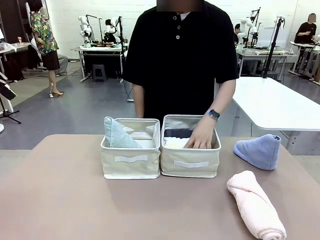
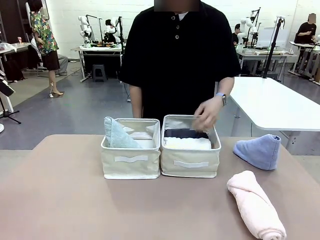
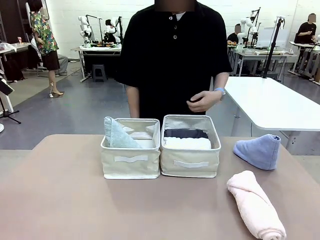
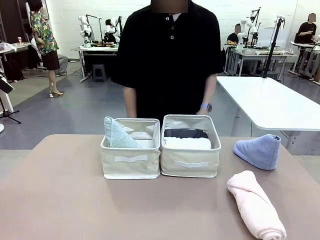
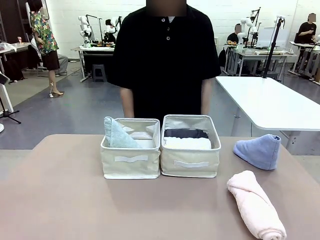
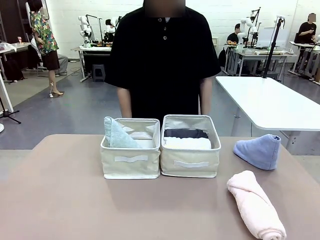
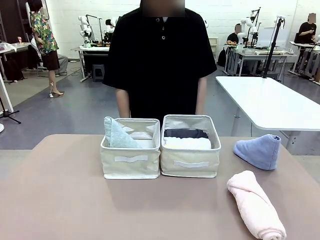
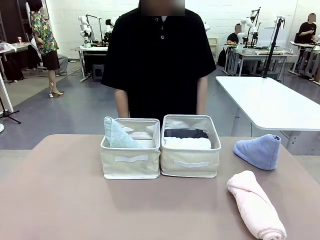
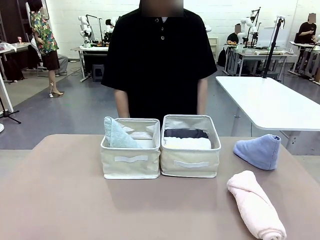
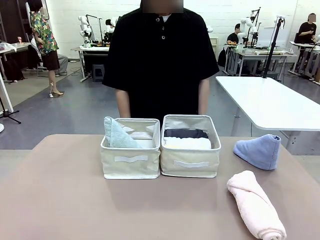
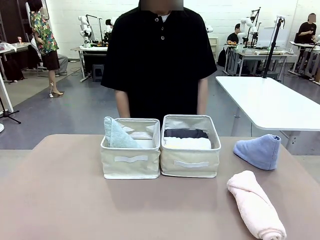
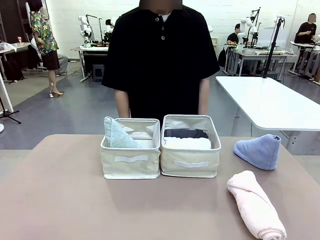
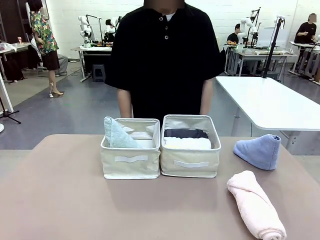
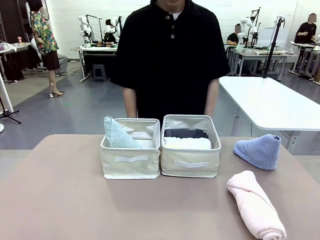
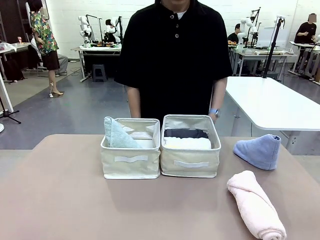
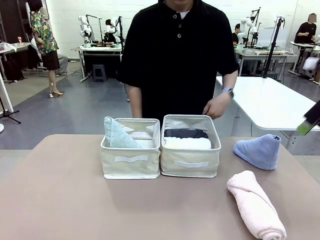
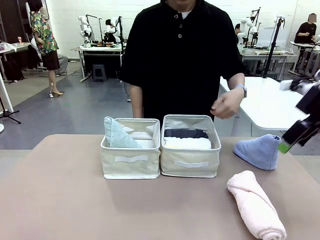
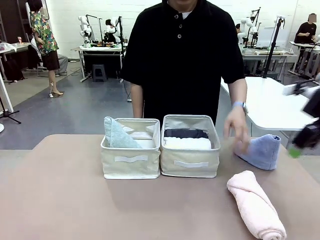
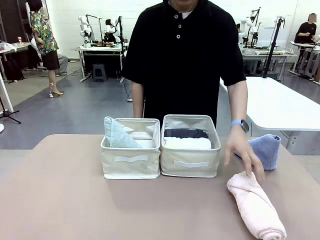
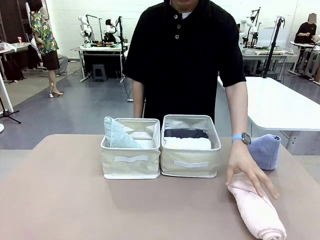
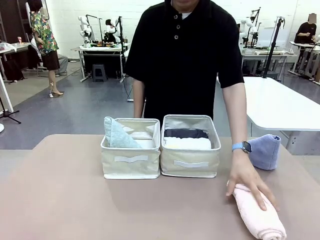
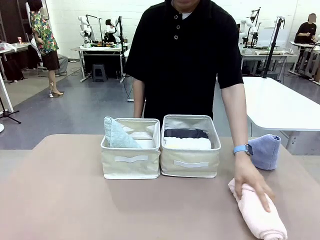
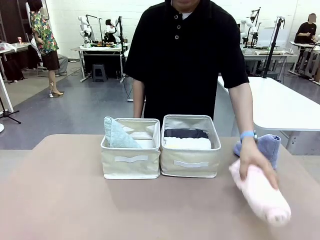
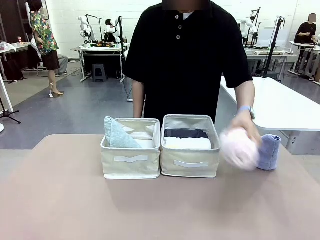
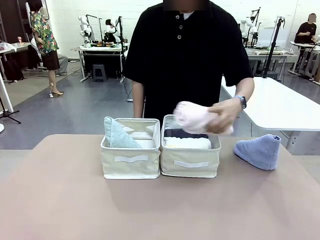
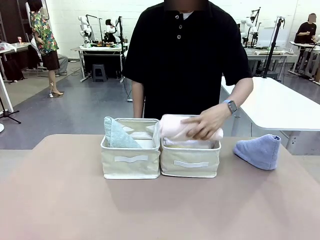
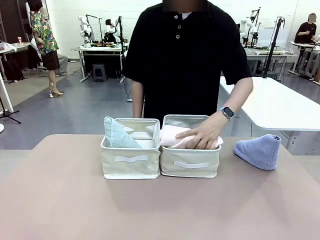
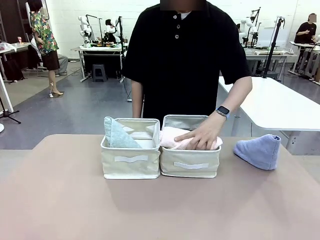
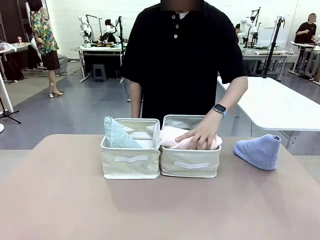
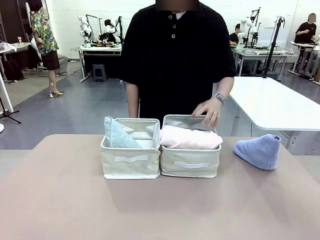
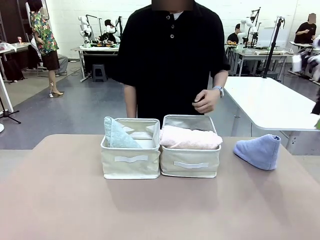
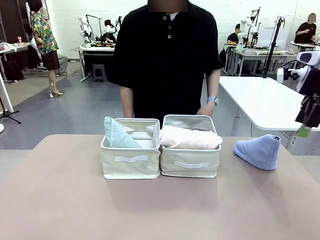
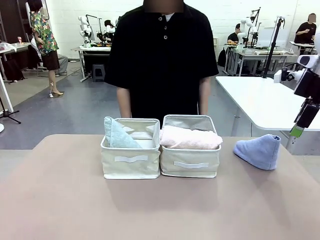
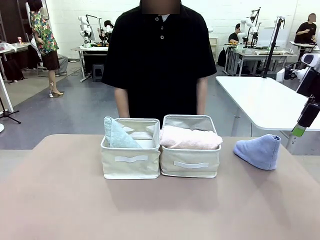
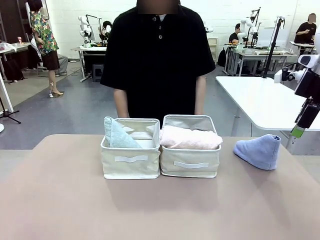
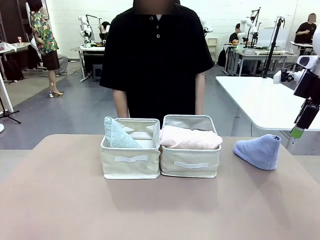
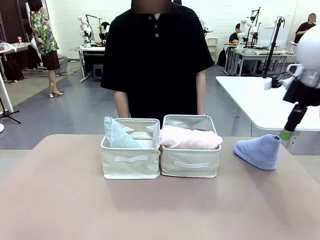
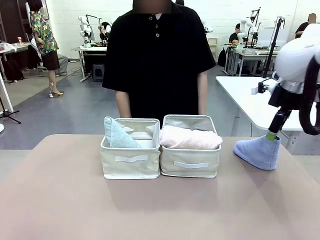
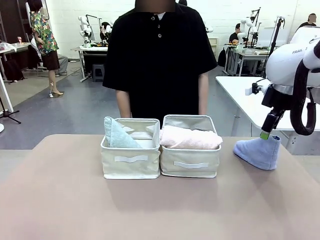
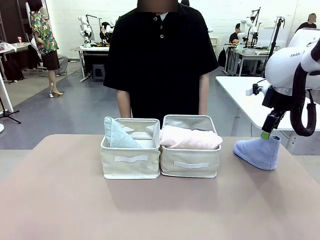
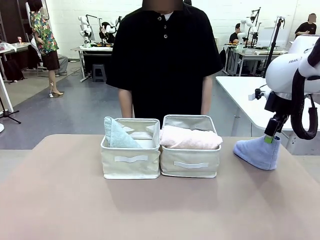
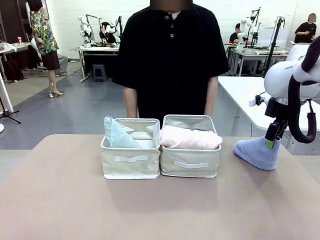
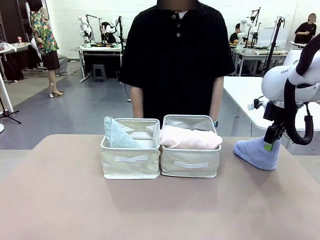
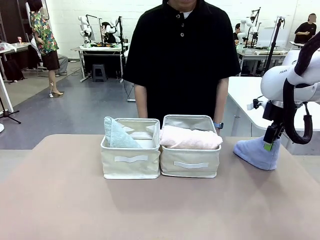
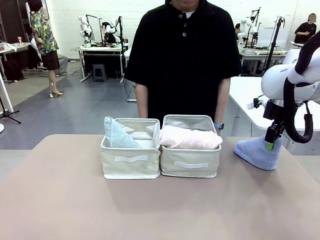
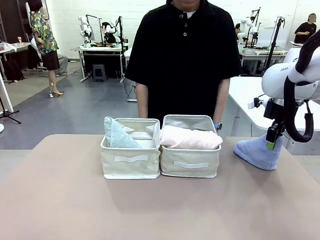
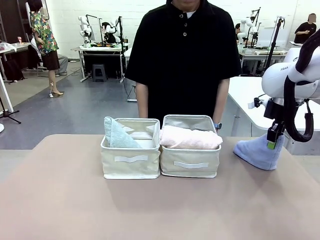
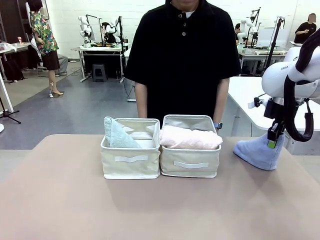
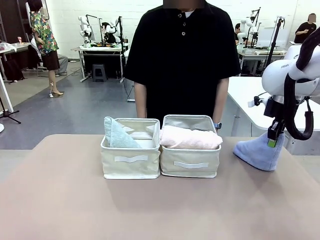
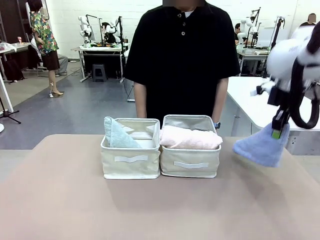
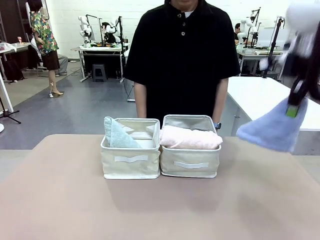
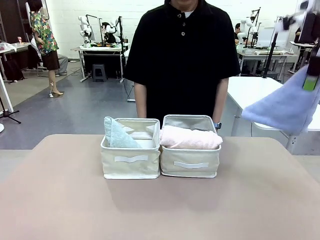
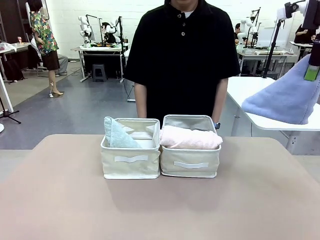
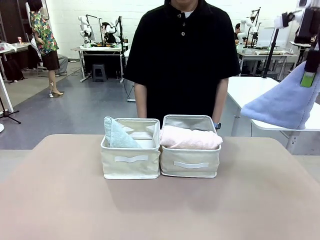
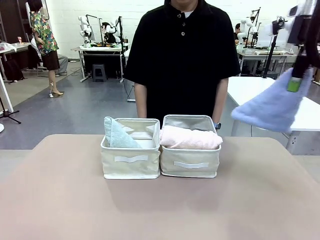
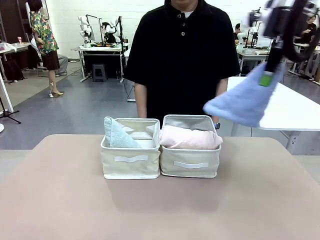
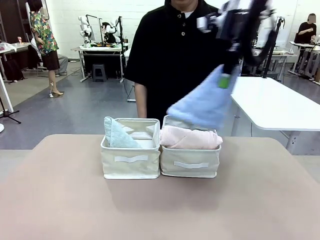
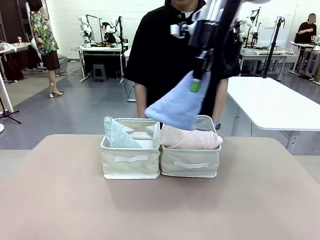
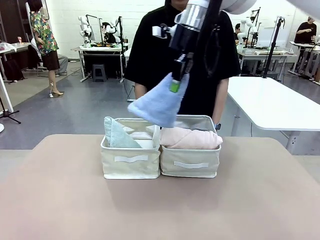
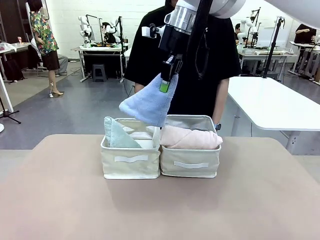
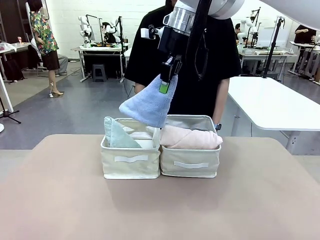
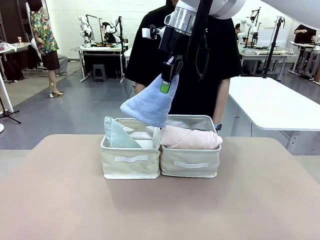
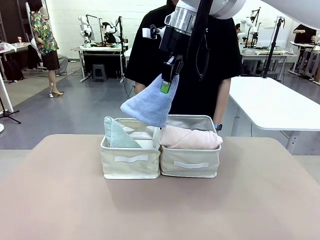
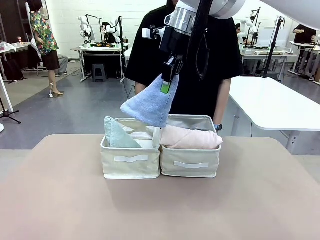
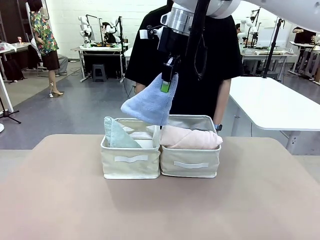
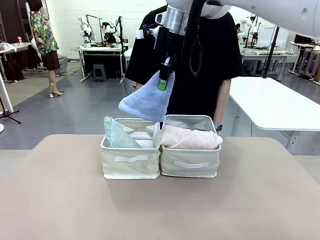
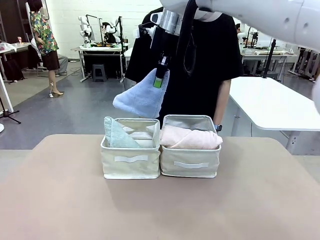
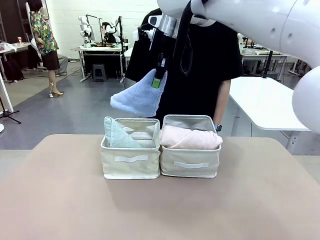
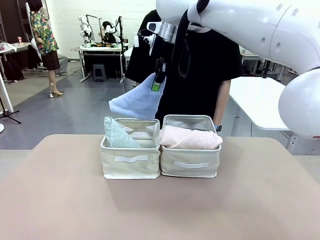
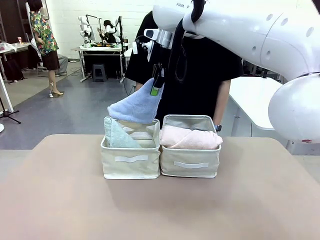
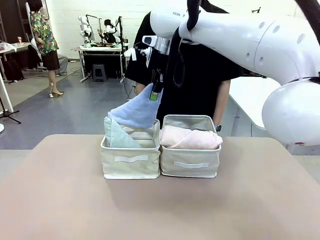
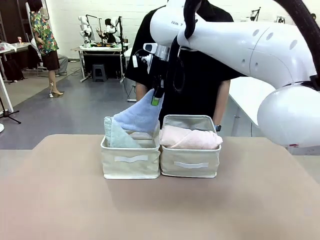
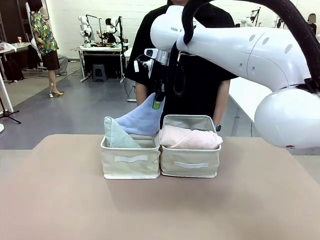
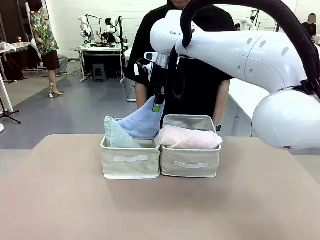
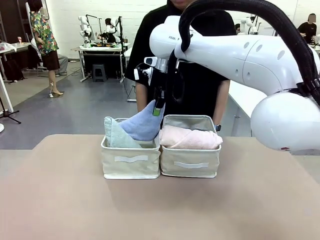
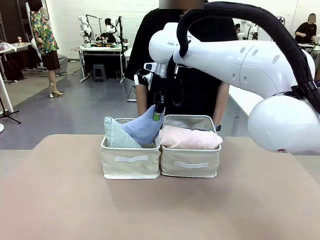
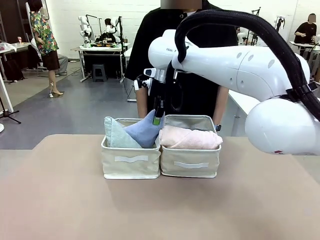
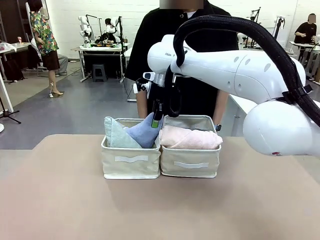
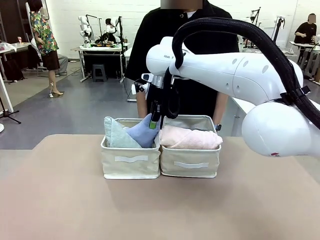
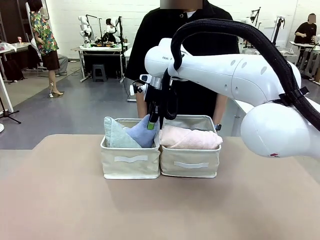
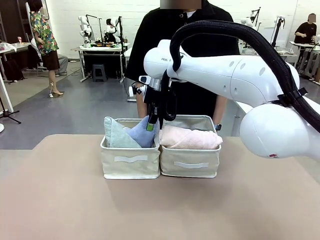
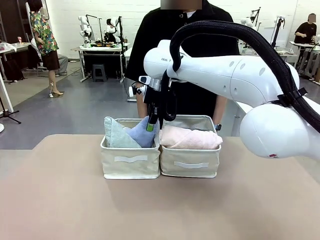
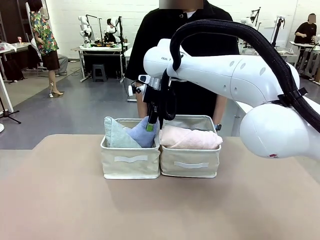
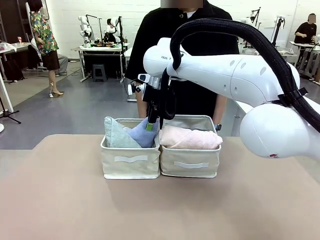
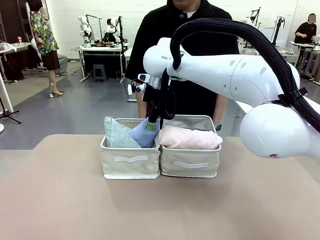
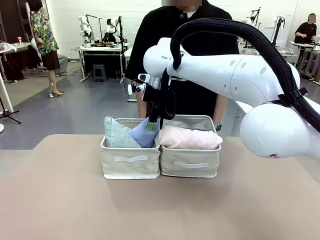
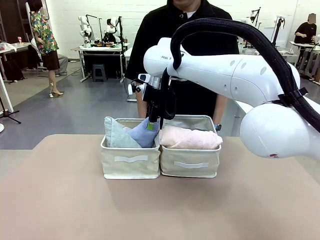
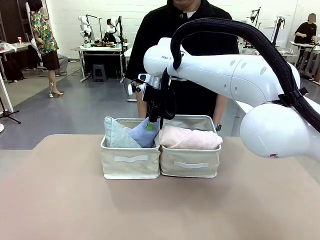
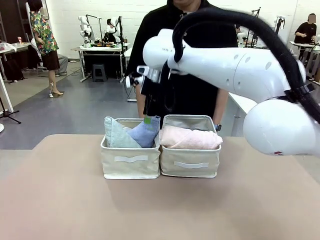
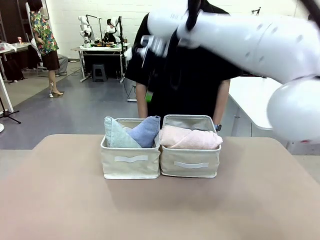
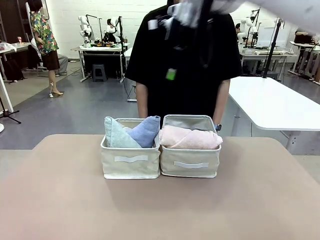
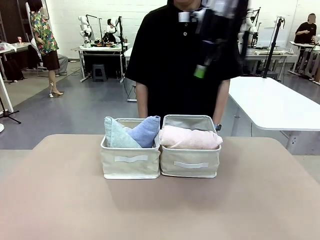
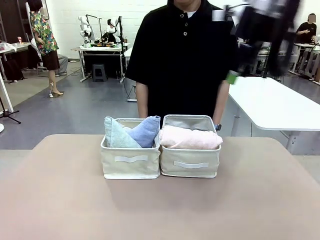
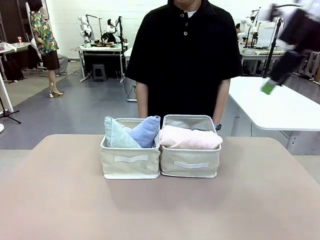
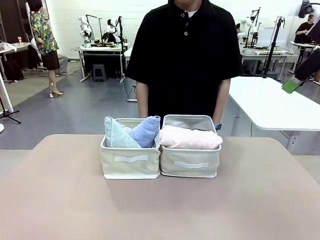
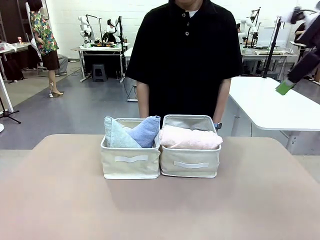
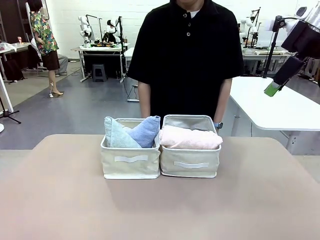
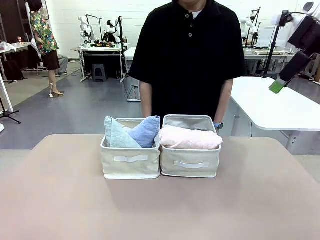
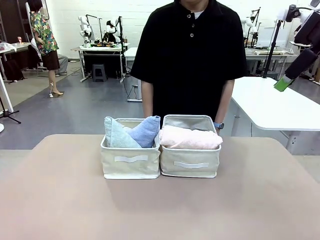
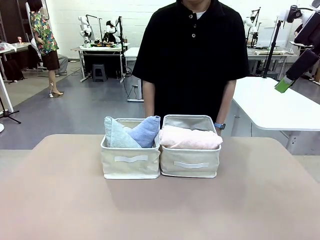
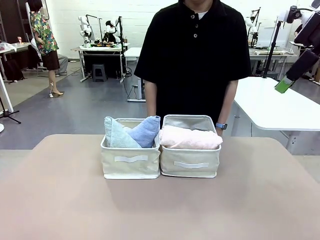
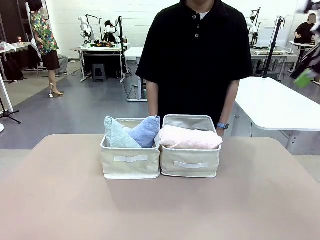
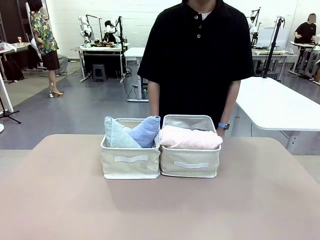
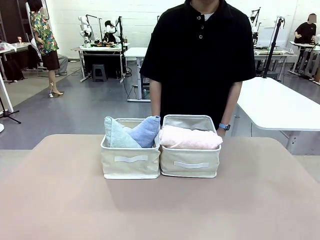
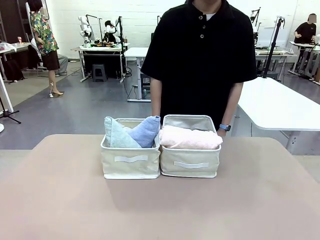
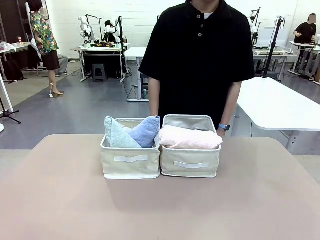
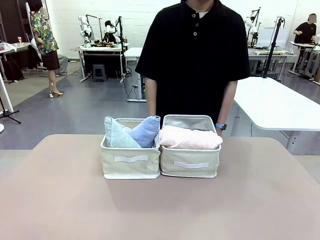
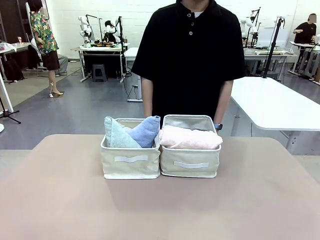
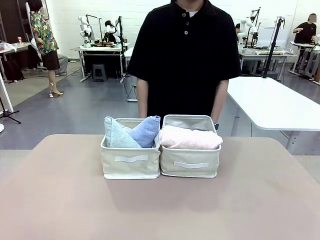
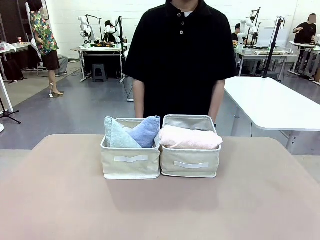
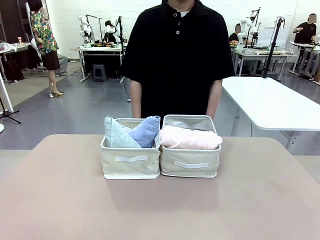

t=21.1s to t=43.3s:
Task: Sort the towels based on their folding style.
Robot: Pick up another triangle-folded towel from the table and place it in the left Fabric basket.
Person: Pick up one hotel-style rolled towel from the table and place it in the left fabric basket.
